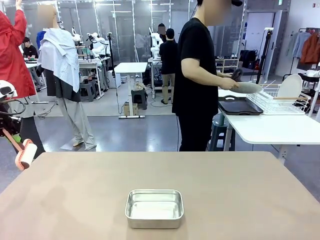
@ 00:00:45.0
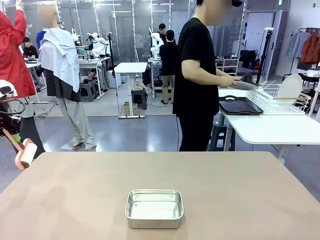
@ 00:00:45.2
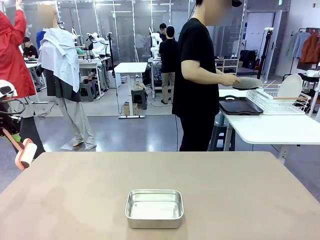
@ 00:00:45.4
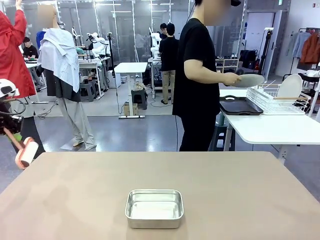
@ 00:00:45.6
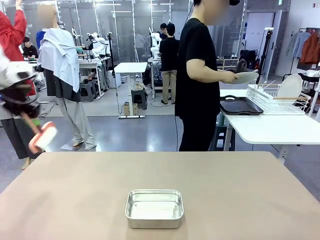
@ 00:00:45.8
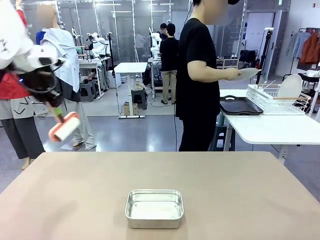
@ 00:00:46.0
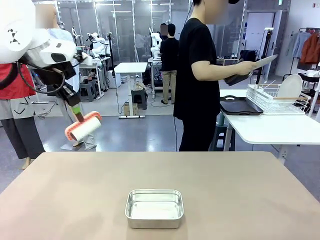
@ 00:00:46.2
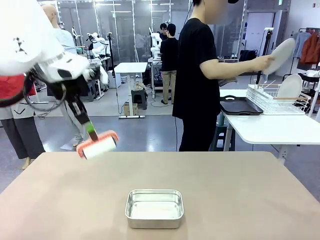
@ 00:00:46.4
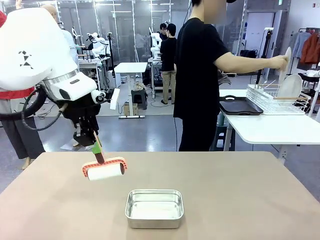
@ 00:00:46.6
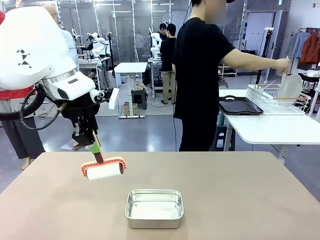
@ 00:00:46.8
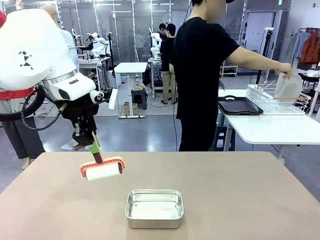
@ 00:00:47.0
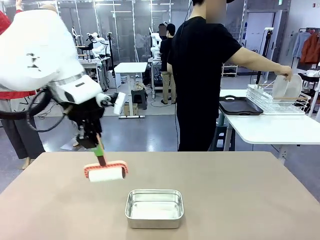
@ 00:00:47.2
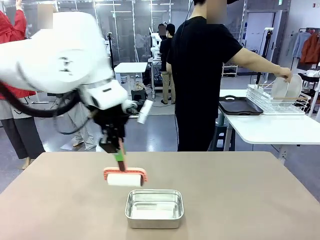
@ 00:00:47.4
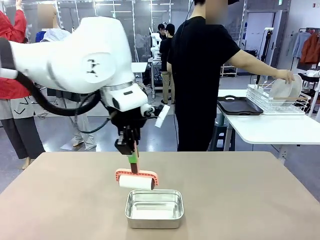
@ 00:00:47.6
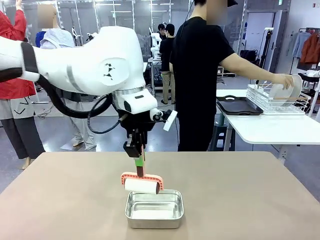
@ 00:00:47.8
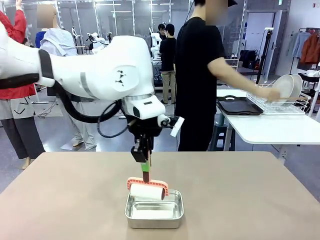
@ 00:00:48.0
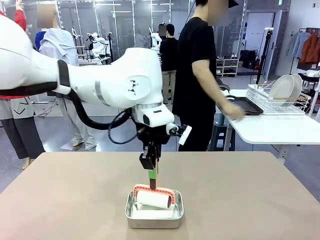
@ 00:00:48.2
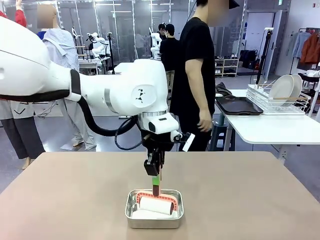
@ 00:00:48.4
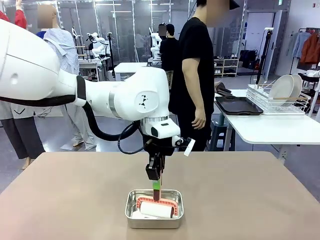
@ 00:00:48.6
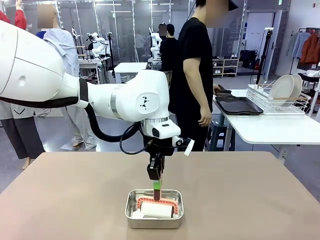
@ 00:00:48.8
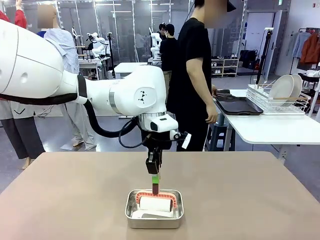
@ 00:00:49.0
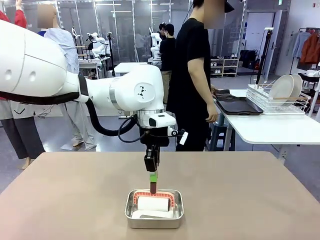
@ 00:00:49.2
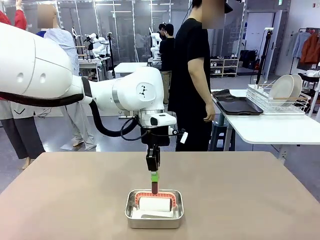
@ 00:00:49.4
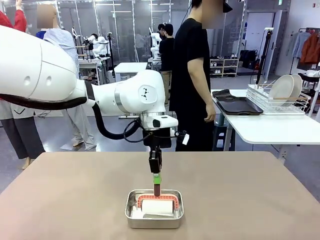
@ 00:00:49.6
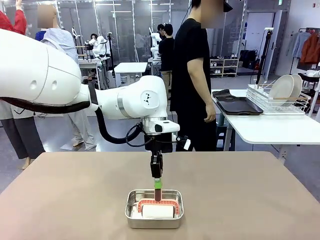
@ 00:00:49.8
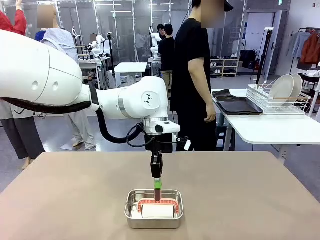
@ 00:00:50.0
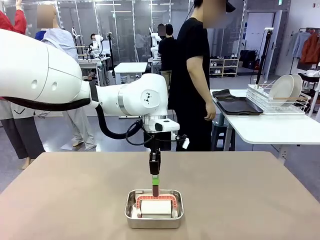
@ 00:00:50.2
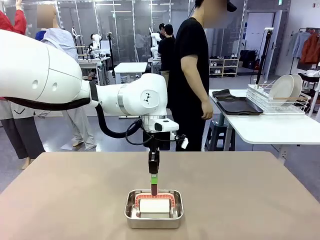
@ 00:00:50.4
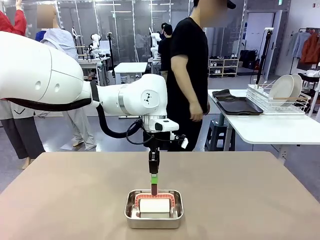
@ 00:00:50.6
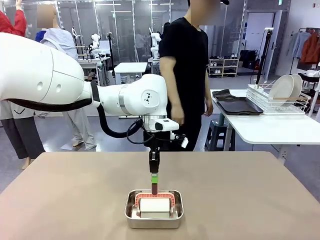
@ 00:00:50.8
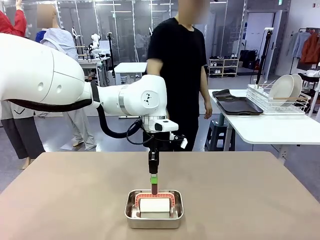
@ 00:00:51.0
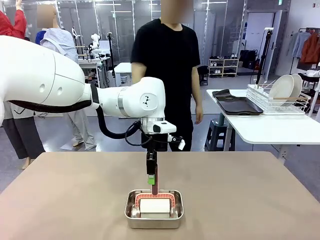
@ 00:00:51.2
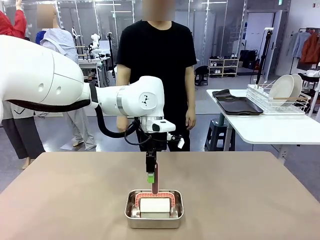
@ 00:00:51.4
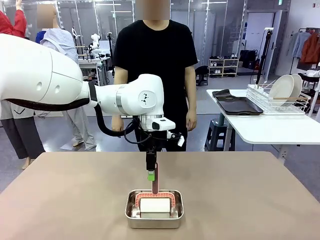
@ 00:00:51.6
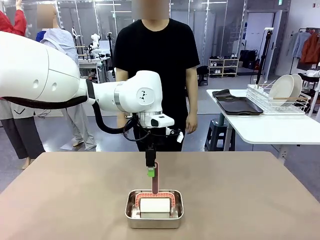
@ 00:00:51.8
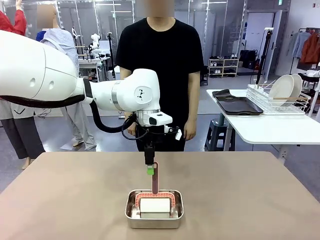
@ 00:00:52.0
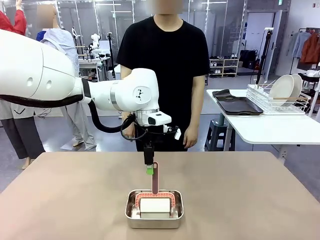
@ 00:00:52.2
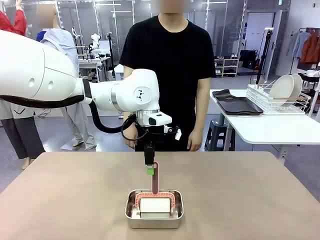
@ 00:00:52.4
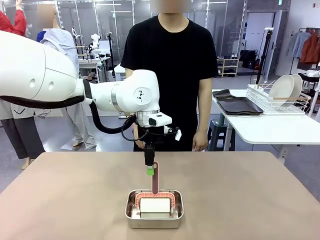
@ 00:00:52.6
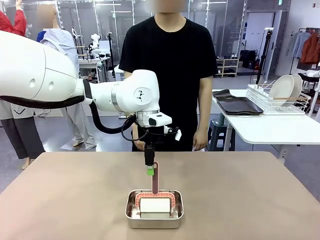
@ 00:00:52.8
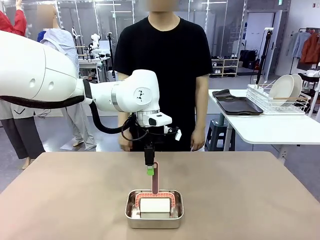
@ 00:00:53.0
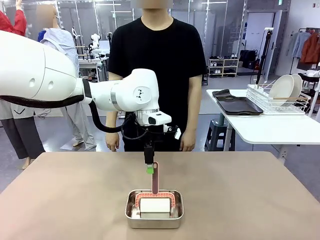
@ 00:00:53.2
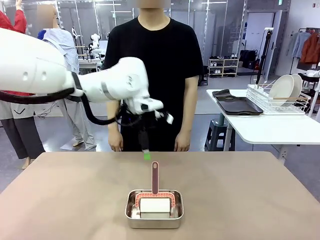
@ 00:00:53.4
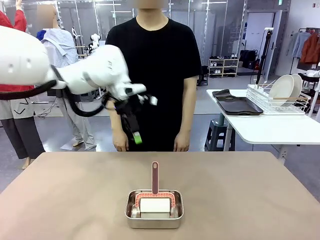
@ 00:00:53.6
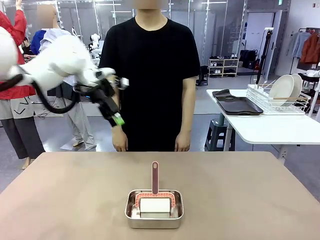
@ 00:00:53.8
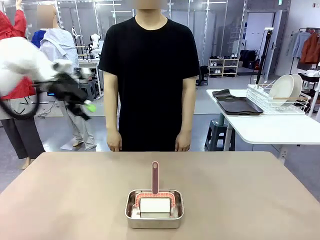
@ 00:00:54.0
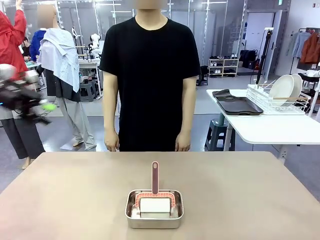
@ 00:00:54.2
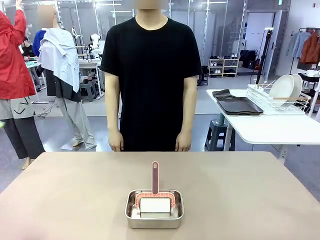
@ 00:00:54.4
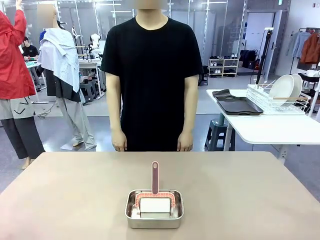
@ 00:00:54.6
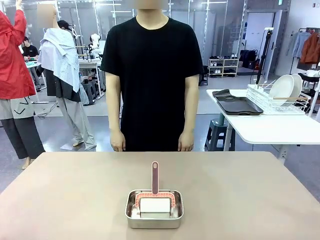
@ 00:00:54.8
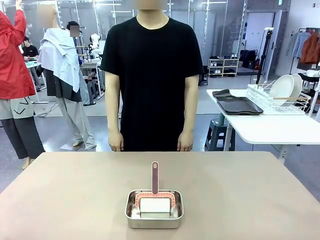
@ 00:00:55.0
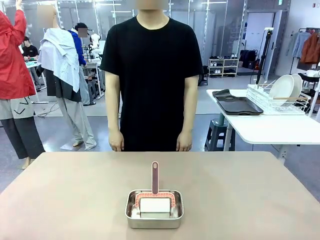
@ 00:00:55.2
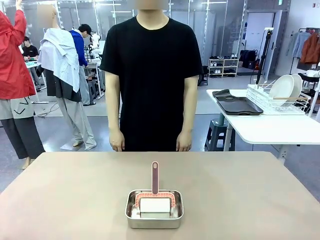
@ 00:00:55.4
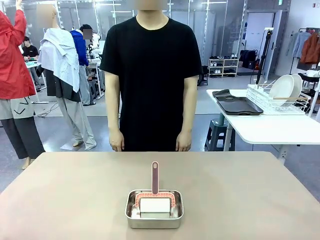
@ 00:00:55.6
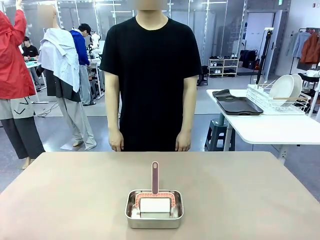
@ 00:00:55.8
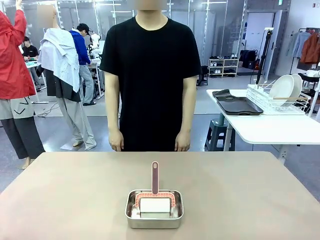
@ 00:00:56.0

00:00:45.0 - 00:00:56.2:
Robot: Place the Lint Roller back on top of the Airtight Container.
Person: Use the Towel with hook to wipe the Plastic Matte Plate , Fork , and Knife and place into the Dish drying rack.
